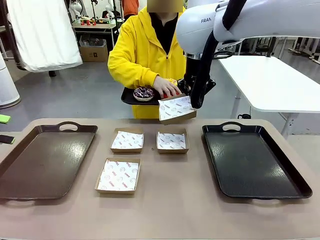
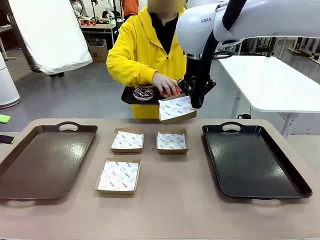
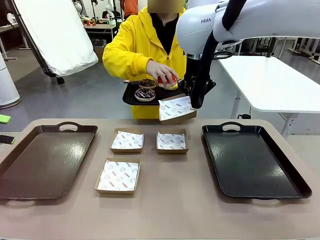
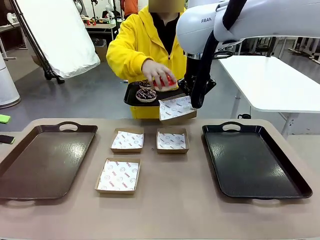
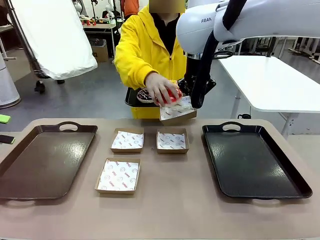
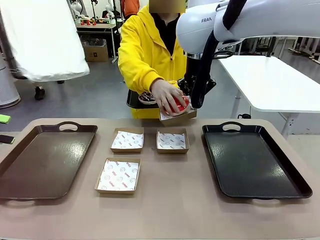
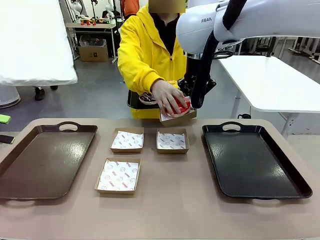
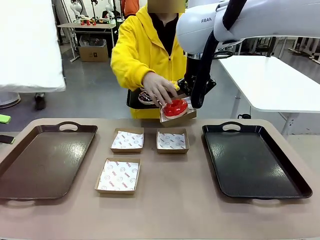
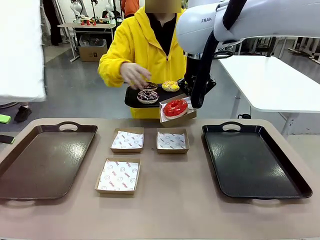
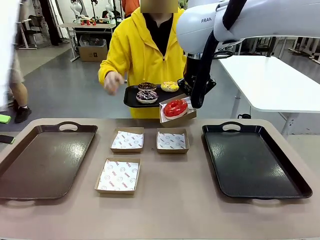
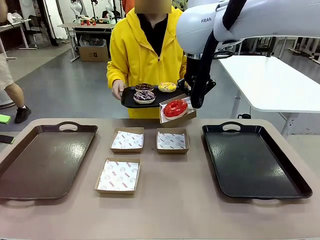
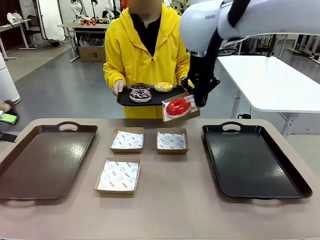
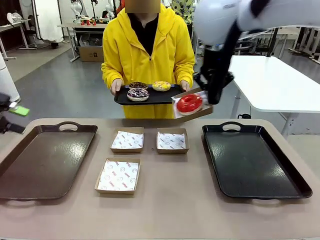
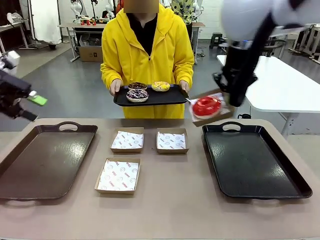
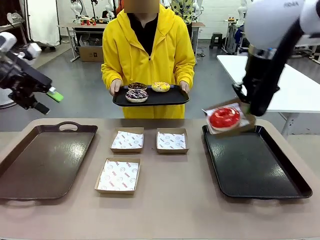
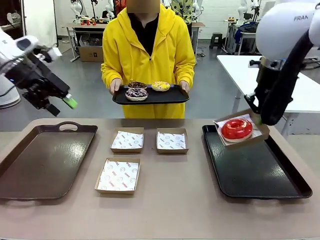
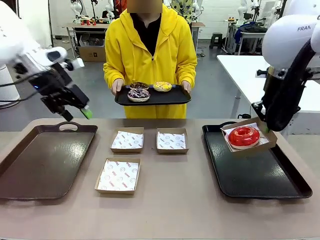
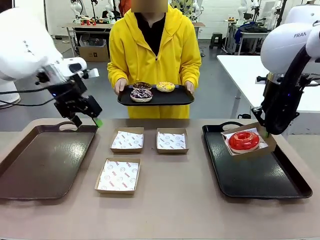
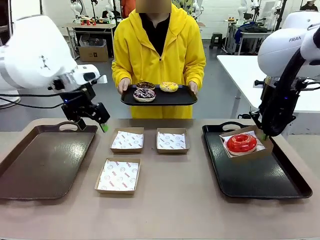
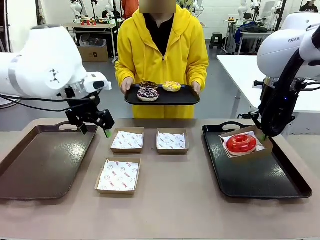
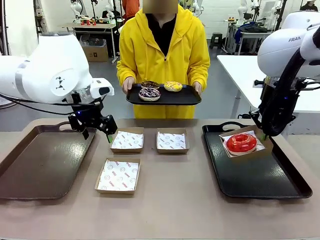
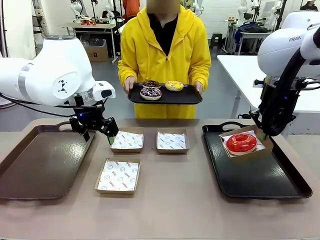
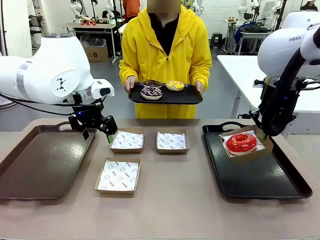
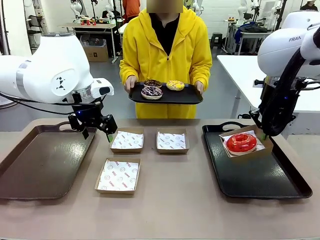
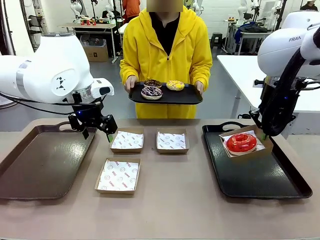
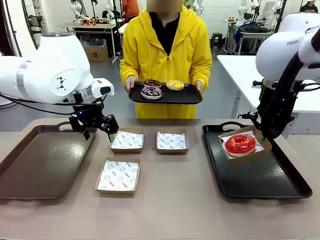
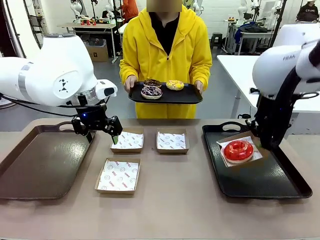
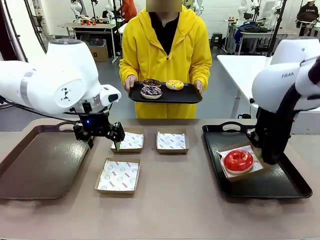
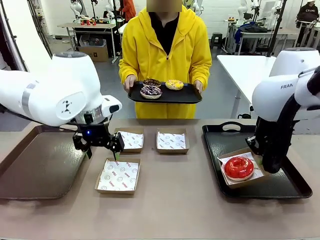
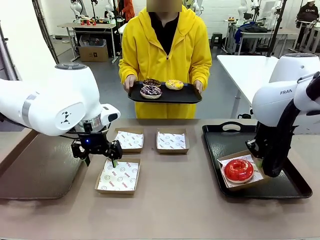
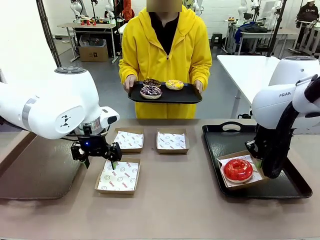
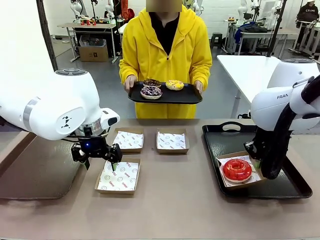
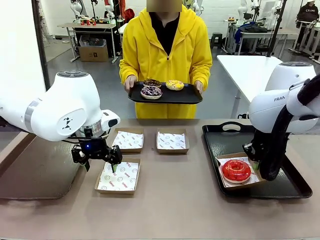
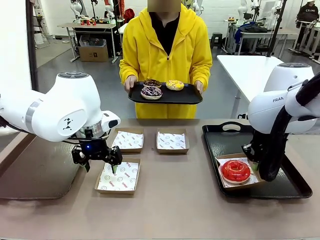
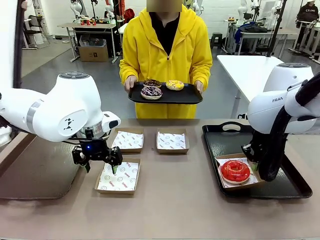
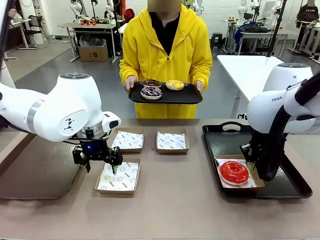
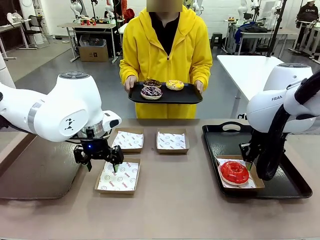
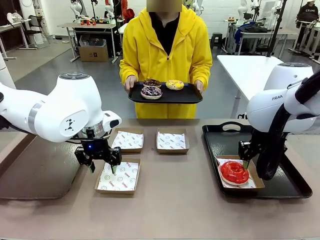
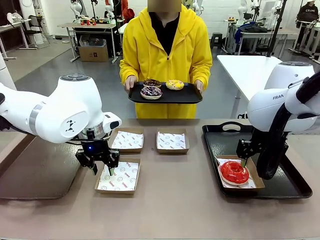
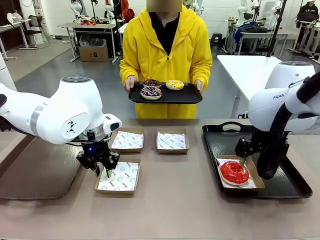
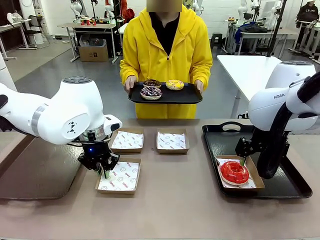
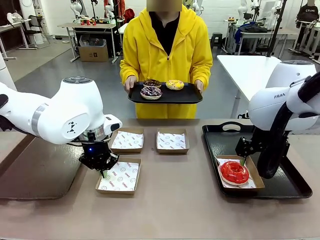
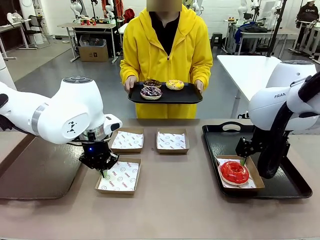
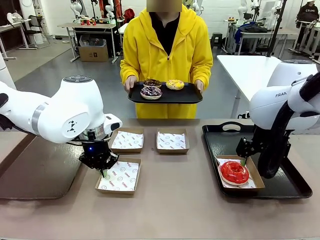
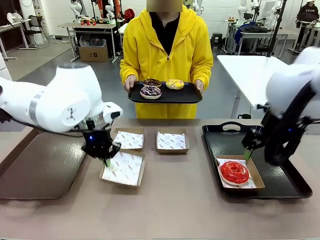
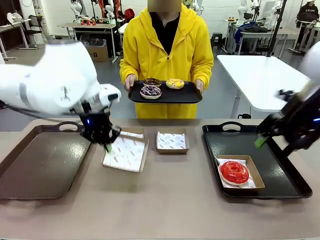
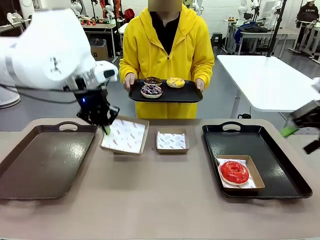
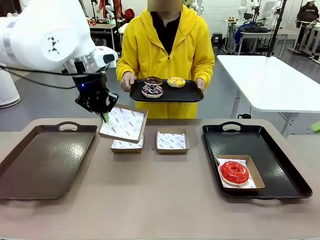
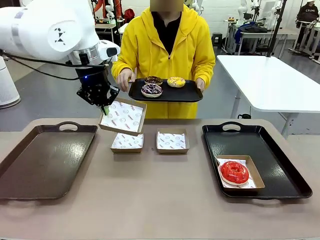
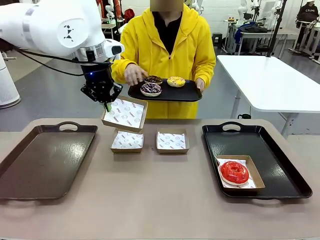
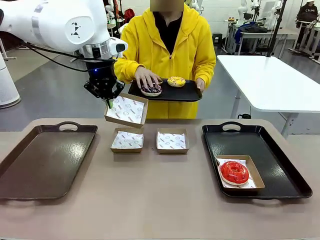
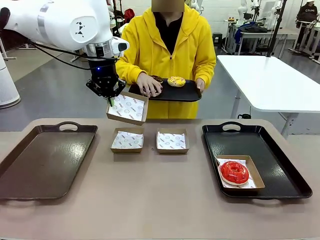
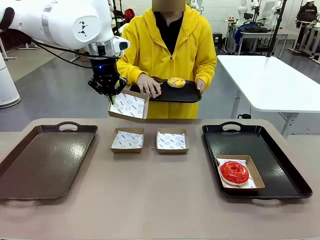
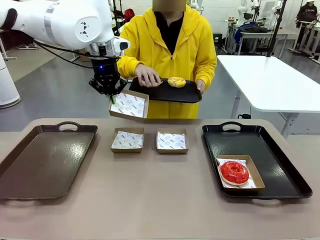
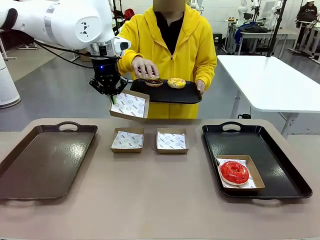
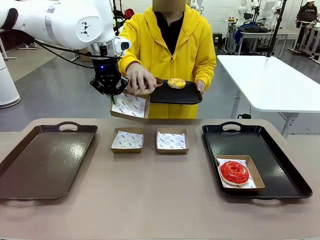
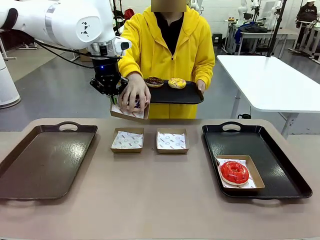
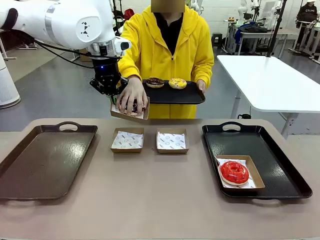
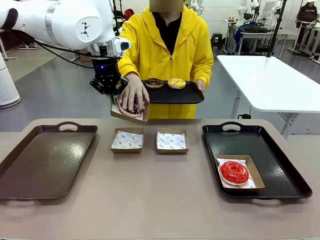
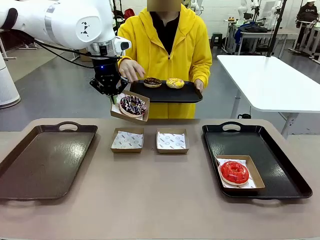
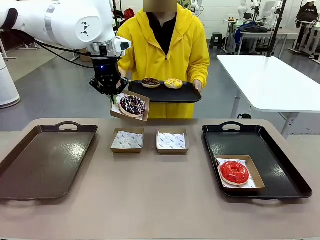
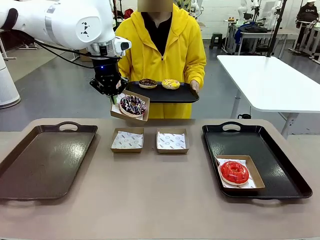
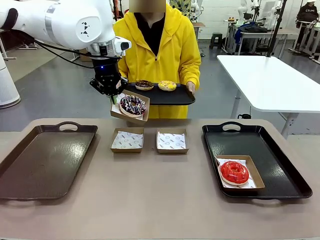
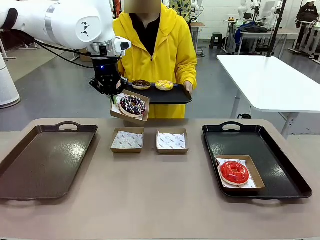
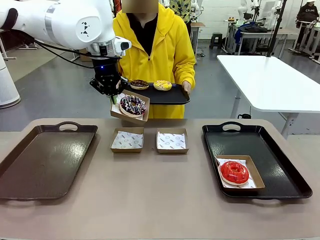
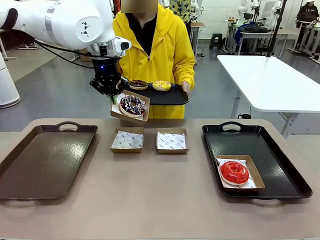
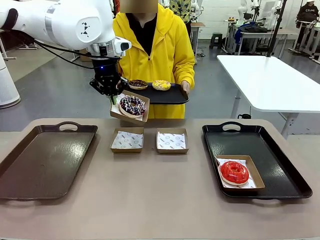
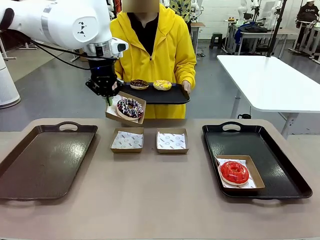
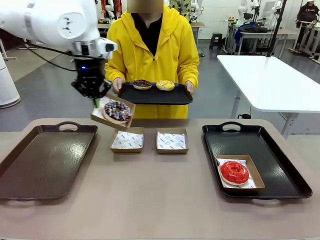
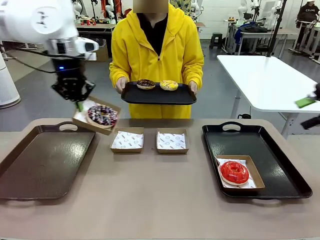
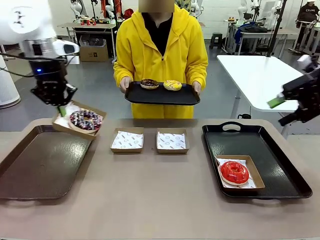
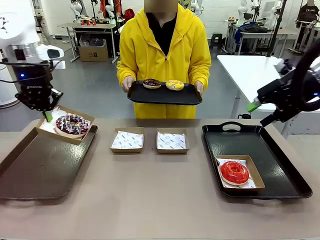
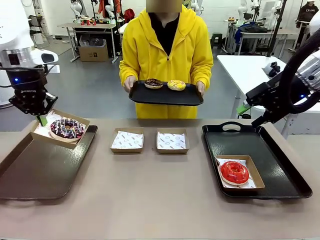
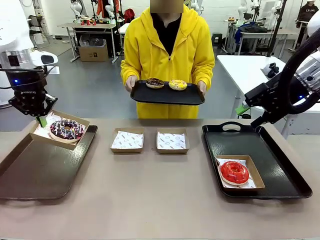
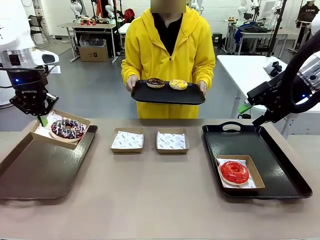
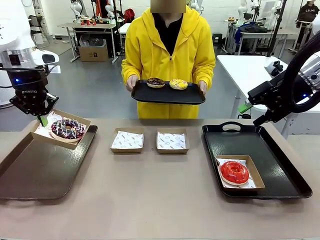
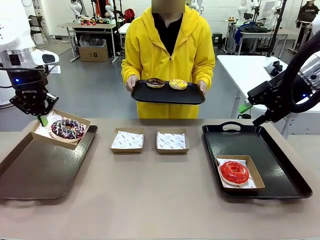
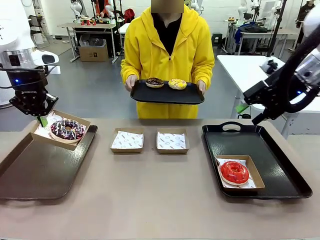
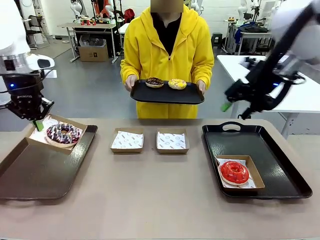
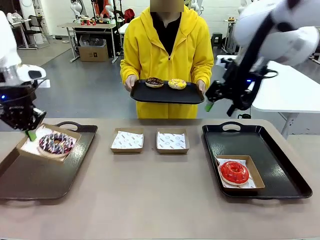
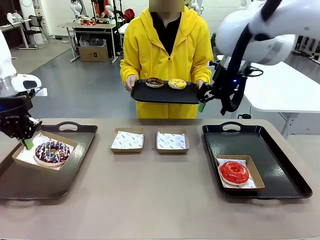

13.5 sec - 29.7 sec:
Task: Individually package the donuts and arrange them on the tray.
Robot: Place the picked Paper togo box on the Handle tray while simultaneously picking up another Paper togo box from the table with the other hand.
